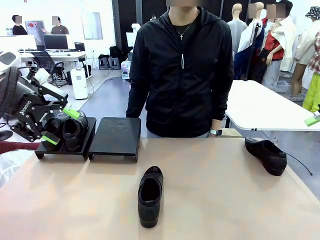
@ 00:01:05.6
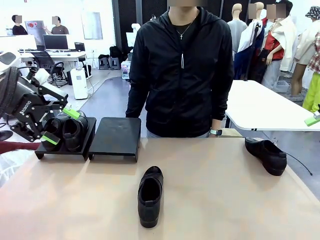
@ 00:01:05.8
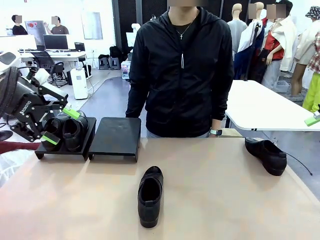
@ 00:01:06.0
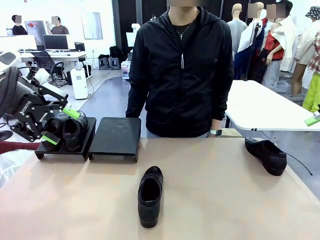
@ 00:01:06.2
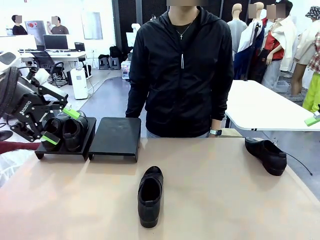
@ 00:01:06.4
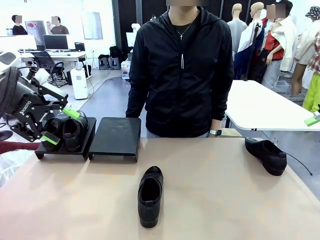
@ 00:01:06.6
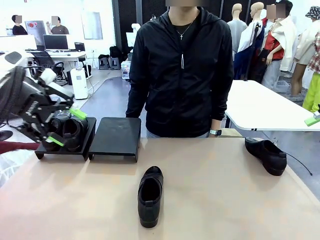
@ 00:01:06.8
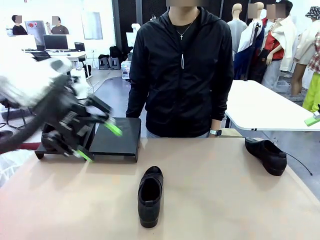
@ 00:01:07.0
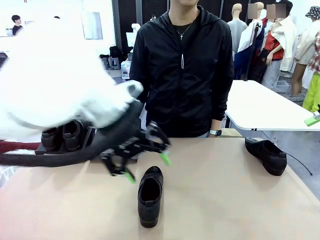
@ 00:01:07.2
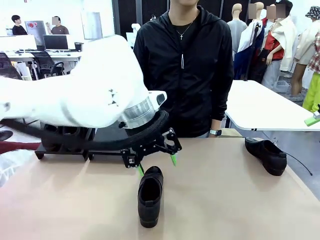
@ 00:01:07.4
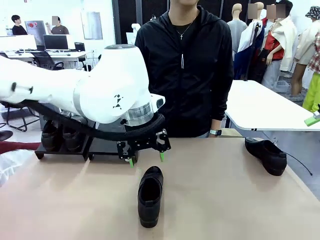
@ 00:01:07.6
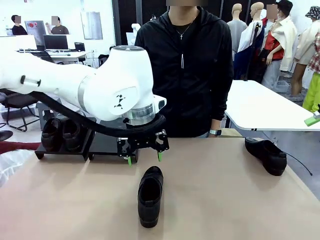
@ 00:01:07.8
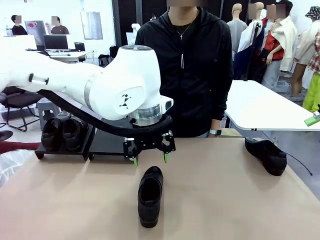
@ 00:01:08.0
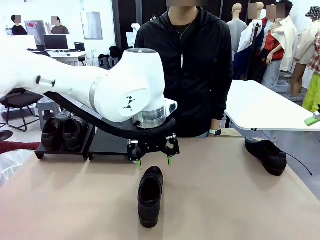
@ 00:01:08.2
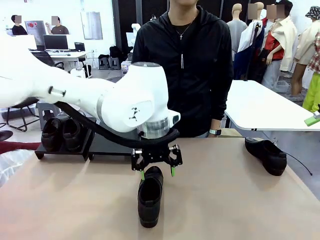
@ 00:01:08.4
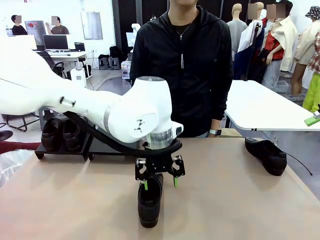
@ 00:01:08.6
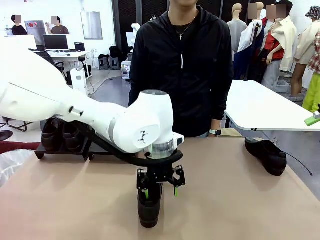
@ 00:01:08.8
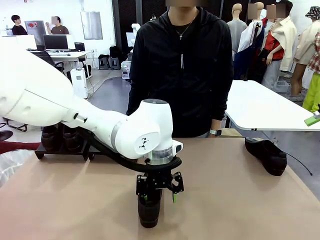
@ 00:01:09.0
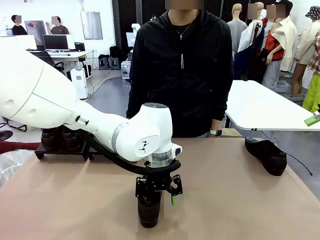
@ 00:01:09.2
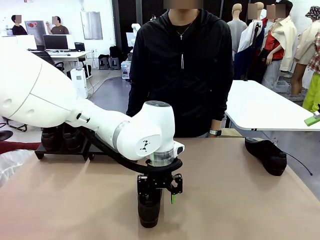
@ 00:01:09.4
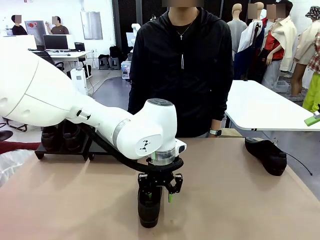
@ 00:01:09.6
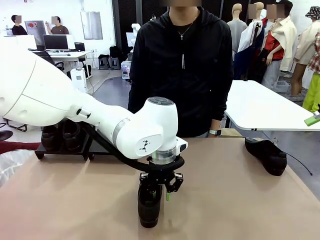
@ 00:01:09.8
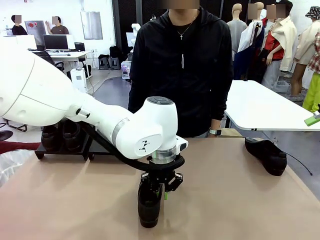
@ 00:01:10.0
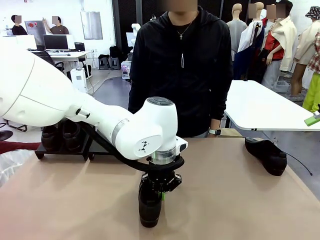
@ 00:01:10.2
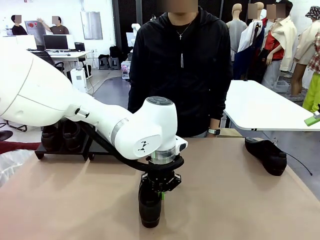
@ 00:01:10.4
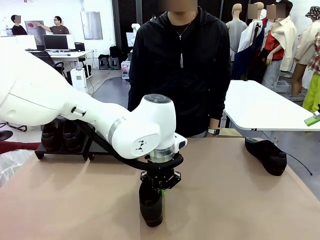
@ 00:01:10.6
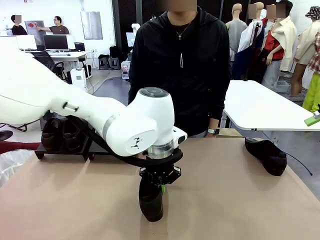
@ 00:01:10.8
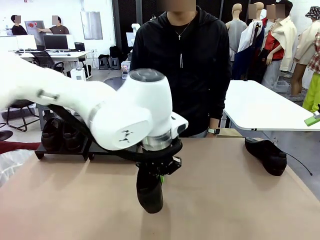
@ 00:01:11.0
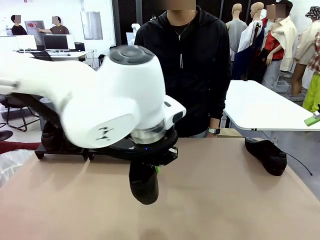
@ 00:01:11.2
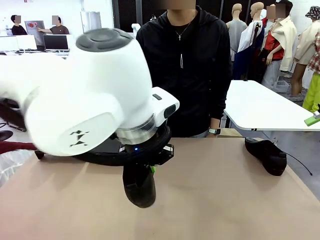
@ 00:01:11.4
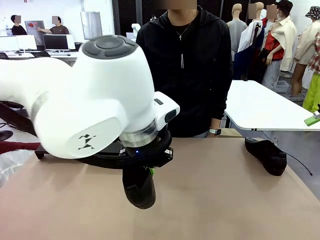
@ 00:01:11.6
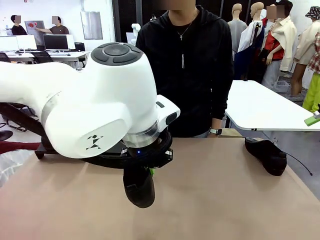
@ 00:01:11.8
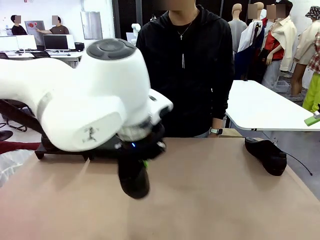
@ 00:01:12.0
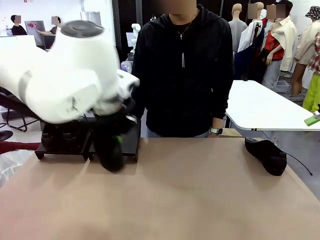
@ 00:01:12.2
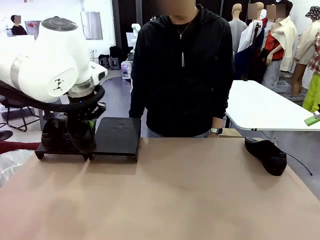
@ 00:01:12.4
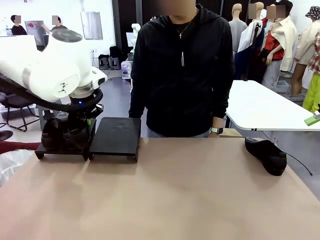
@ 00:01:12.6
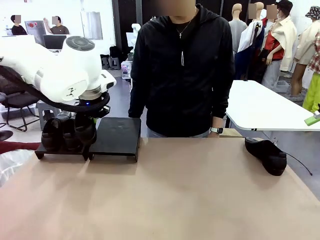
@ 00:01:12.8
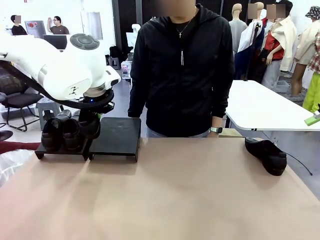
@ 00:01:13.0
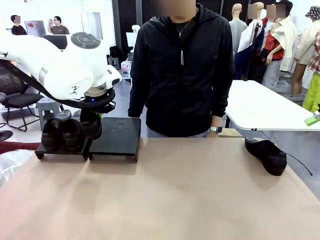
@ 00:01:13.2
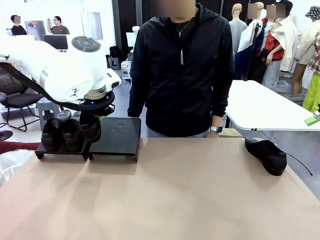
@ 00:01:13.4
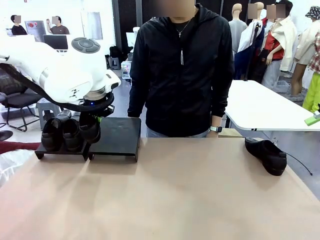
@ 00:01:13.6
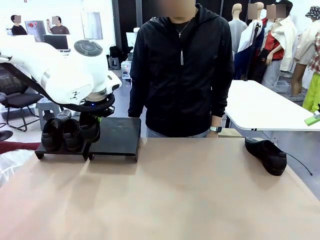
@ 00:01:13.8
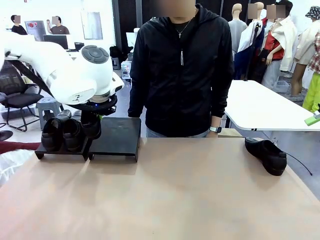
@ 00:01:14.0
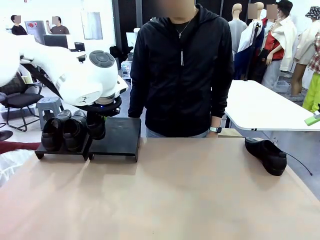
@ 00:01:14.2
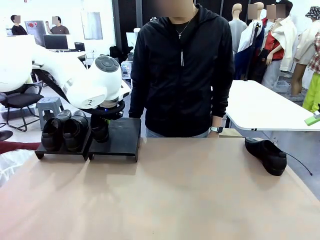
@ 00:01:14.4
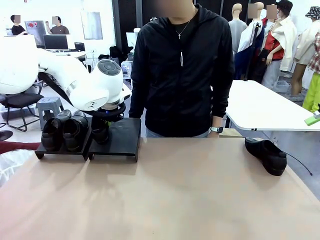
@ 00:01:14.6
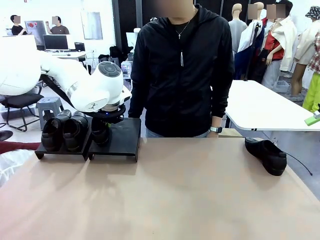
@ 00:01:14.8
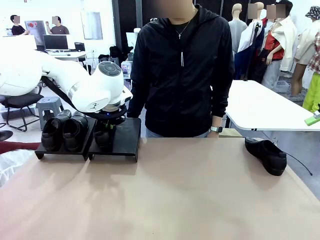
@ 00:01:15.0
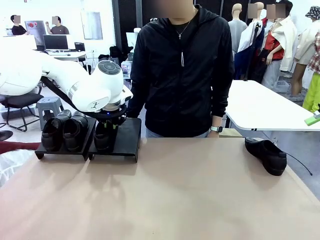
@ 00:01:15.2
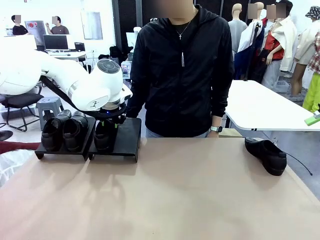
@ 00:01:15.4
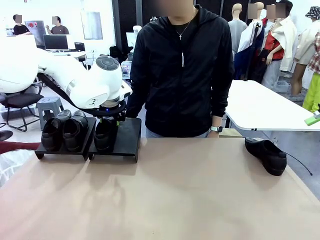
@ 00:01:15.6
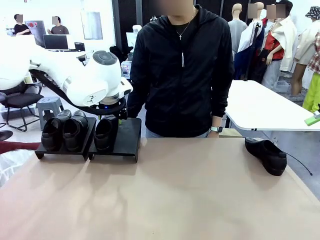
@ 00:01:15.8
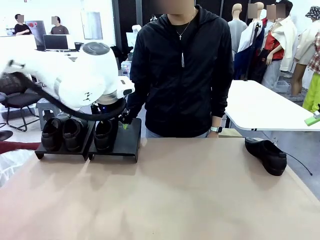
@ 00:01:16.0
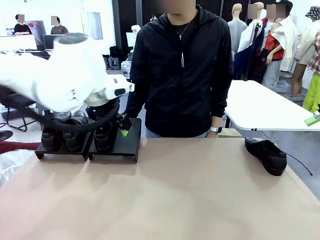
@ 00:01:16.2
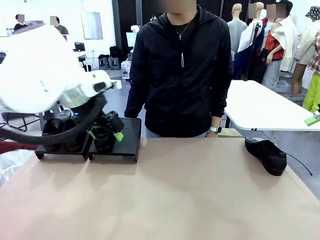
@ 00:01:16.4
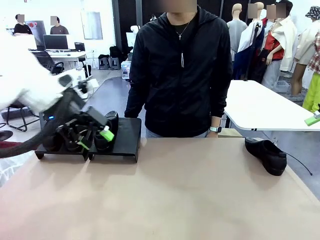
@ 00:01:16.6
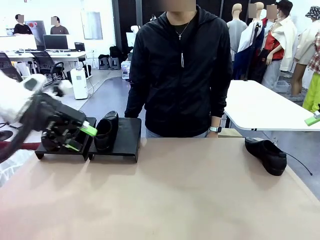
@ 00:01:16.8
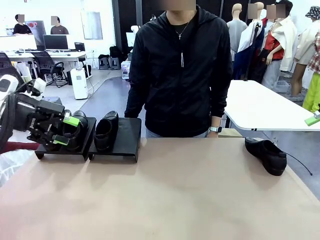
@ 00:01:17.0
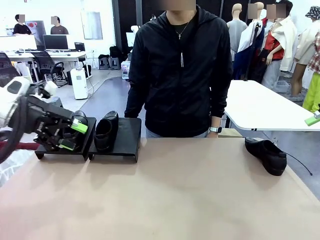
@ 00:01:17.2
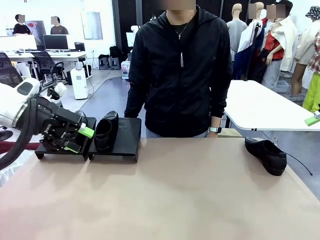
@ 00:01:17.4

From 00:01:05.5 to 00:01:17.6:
Task: Organize the shoes by placing them on the stand.
Robot: Place the Shoe from the middle of the table onto the Shoes Stand.

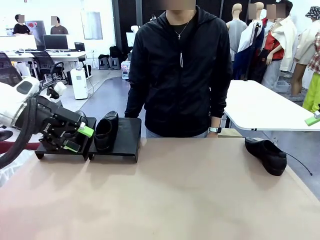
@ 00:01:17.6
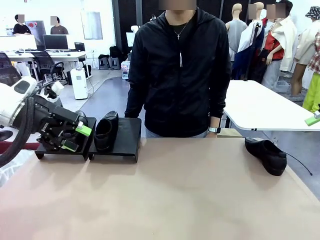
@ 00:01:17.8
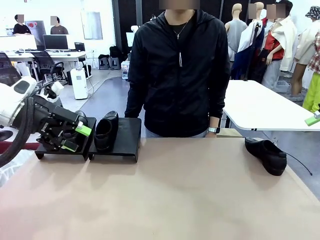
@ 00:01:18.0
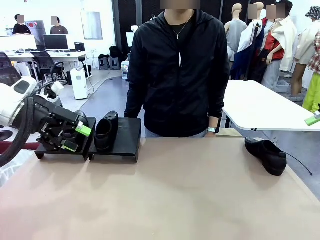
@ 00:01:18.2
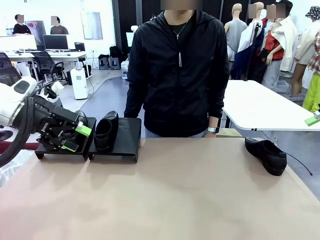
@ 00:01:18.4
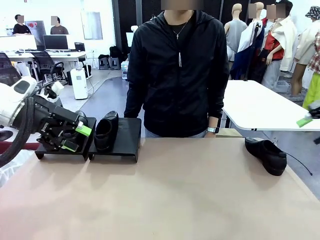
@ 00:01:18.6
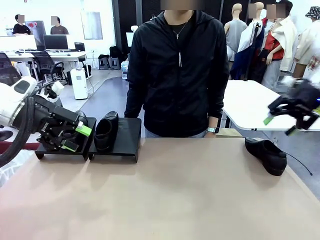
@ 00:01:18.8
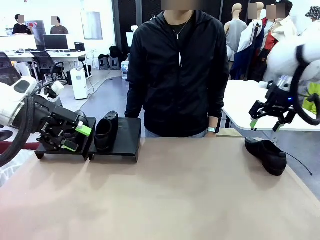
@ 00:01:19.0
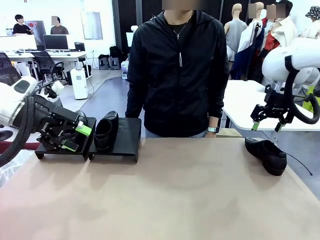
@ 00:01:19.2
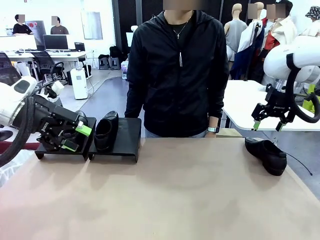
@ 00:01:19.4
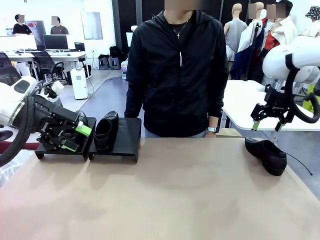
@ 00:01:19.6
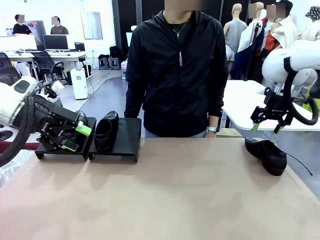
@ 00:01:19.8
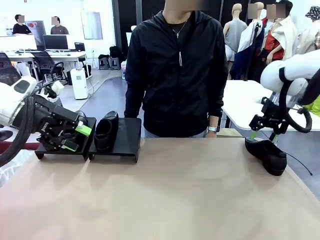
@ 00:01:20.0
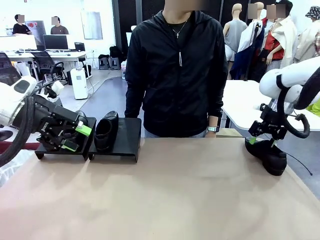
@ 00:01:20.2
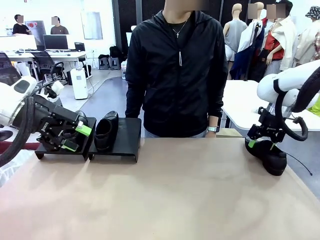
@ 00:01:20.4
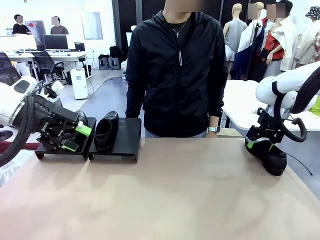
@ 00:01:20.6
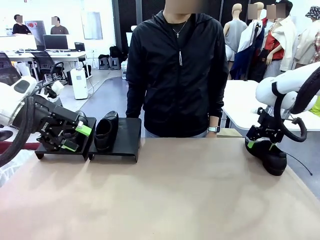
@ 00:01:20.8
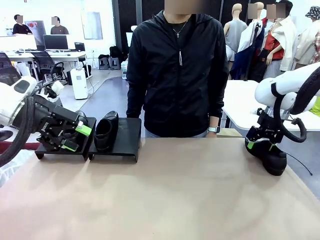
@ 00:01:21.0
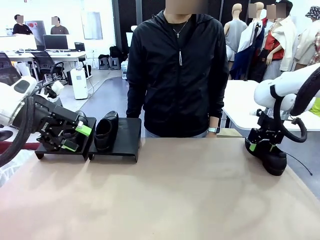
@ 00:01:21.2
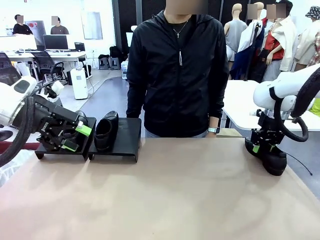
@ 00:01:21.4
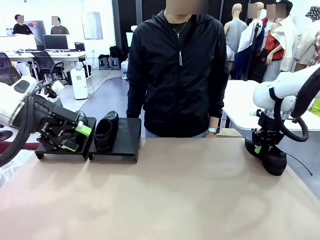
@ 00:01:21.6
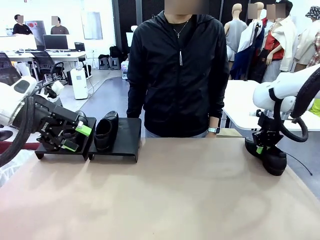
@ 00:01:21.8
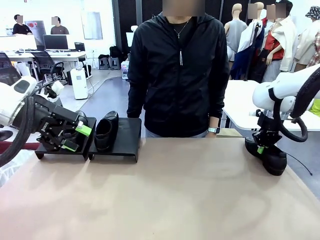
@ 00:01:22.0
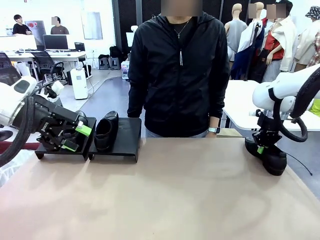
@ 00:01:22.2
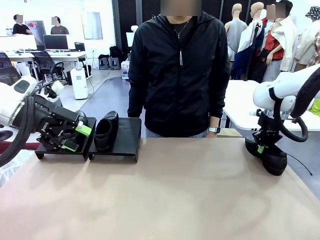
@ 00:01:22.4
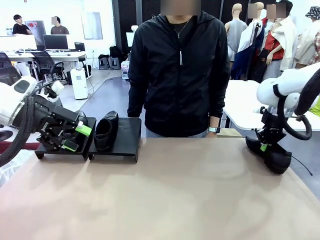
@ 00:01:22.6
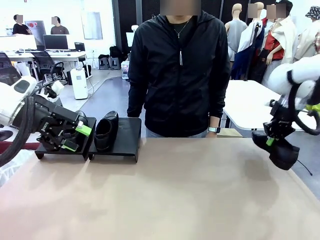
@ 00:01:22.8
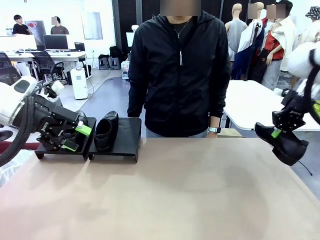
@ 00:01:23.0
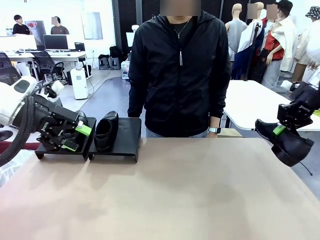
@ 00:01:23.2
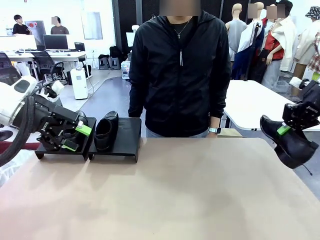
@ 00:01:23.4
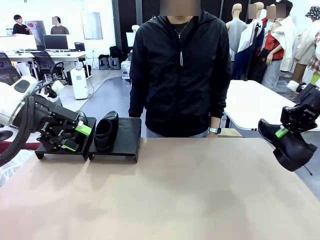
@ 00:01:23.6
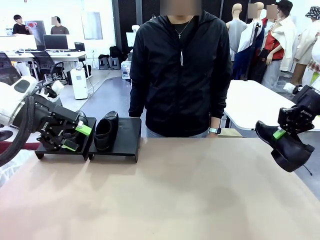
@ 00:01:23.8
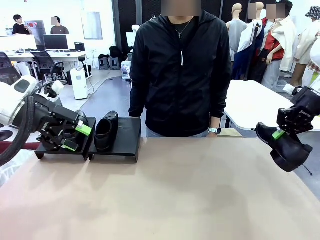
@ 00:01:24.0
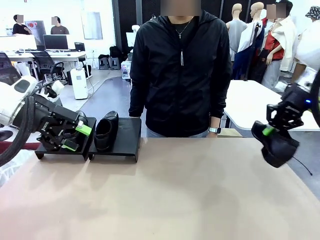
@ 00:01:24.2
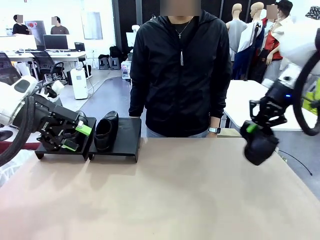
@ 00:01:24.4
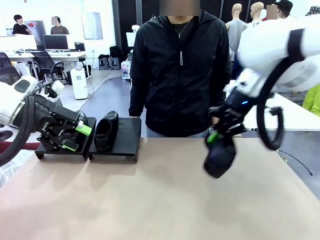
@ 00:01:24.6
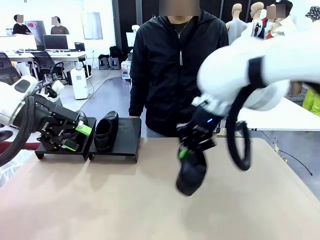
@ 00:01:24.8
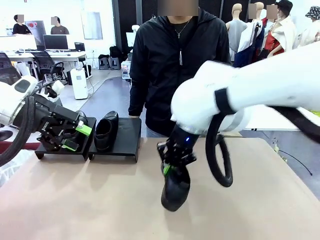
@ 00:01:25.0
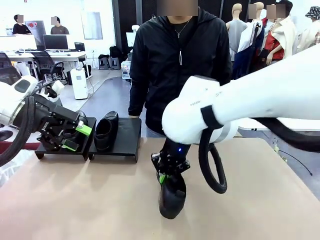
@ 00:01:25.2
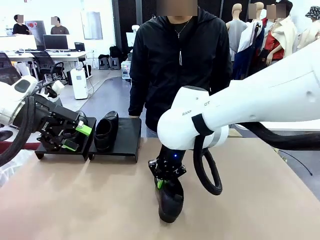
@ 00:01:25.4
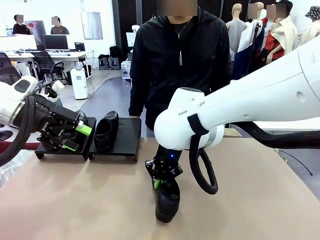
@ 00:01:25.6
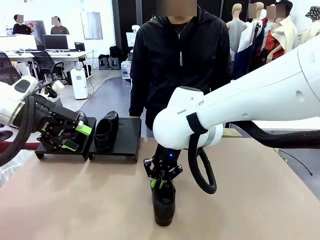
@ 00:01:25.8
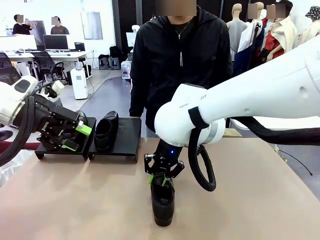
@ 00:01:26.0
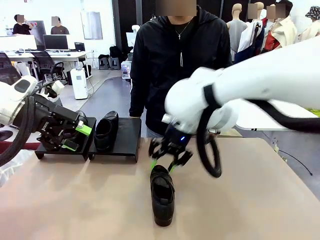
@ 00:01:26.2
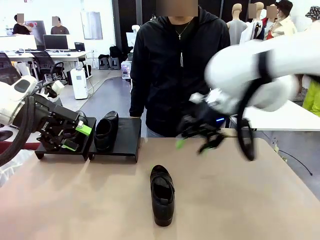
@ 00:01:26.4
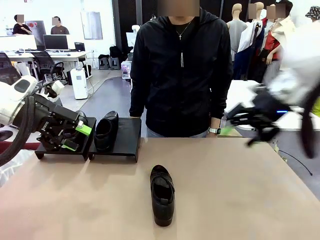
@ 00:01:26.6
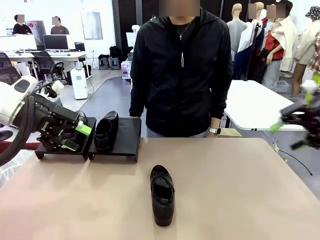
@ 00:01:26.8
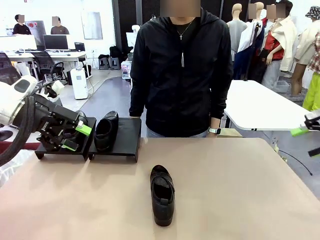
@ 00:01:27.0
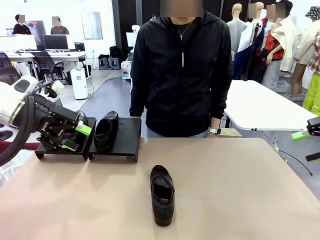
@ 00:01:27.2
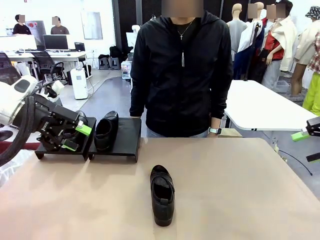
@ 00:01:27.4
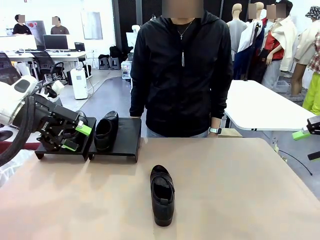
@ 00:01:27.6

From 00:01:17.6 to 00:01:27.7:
Robot: Pick up one Shoe and place it in the middle of the table.
